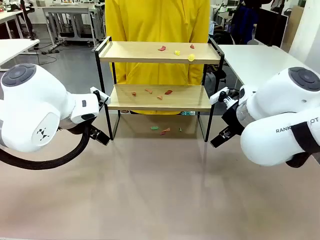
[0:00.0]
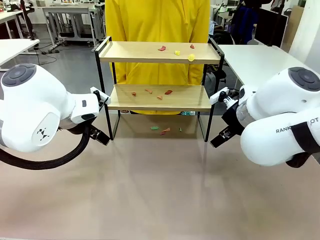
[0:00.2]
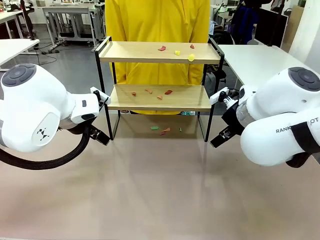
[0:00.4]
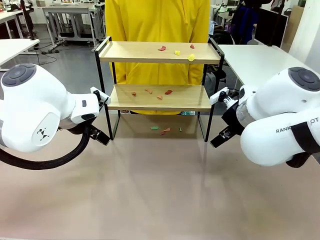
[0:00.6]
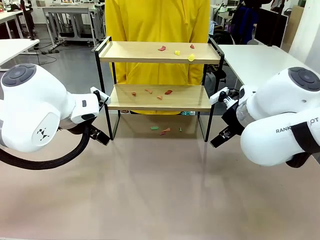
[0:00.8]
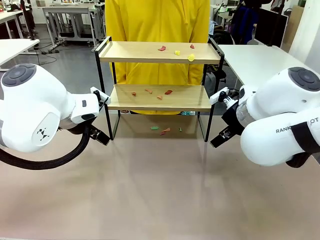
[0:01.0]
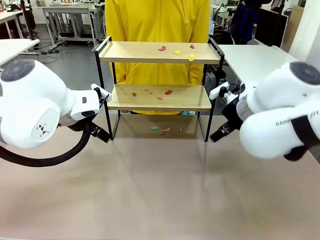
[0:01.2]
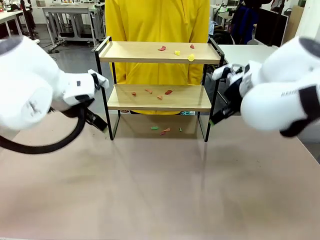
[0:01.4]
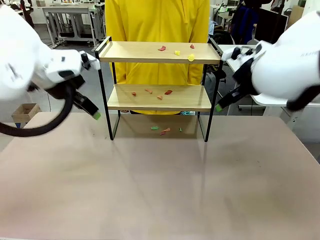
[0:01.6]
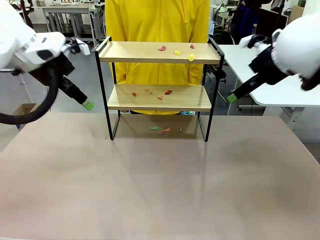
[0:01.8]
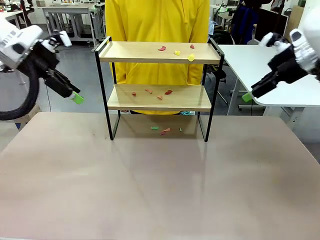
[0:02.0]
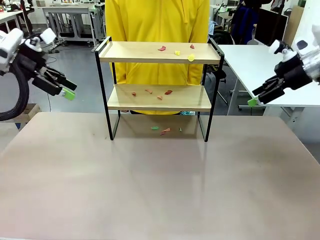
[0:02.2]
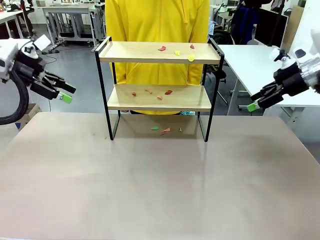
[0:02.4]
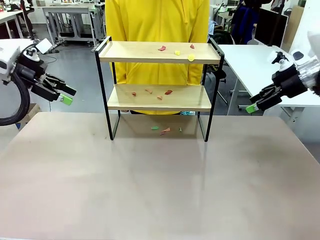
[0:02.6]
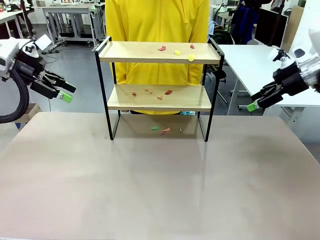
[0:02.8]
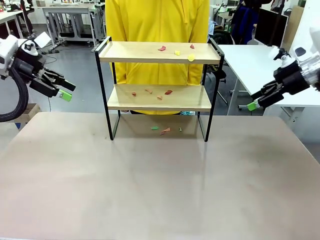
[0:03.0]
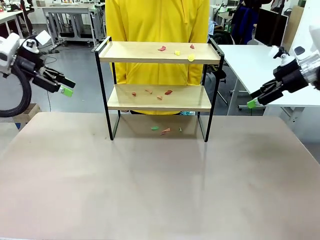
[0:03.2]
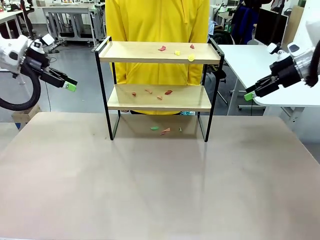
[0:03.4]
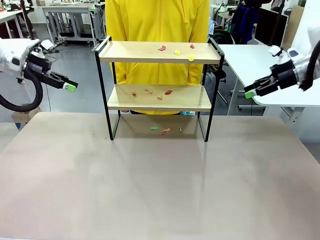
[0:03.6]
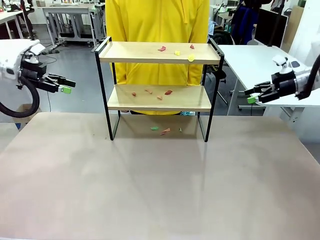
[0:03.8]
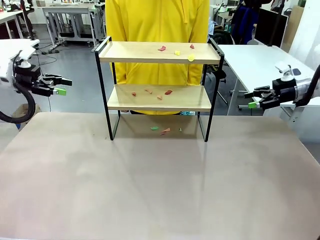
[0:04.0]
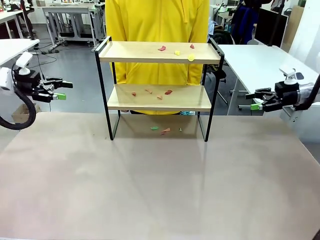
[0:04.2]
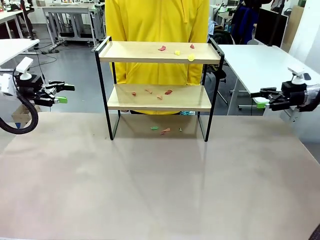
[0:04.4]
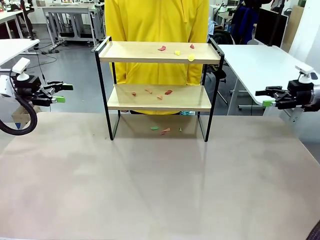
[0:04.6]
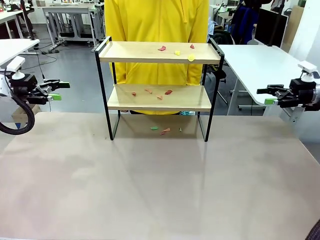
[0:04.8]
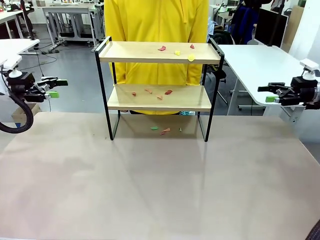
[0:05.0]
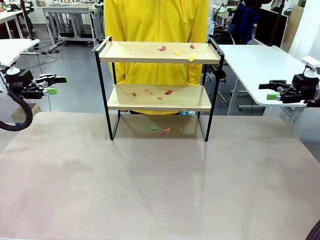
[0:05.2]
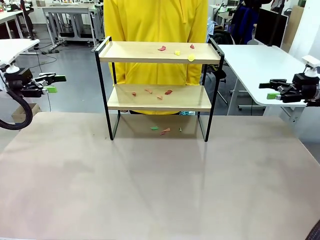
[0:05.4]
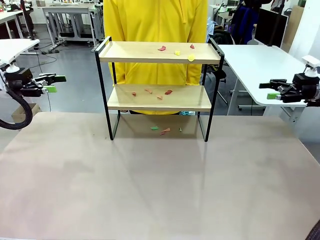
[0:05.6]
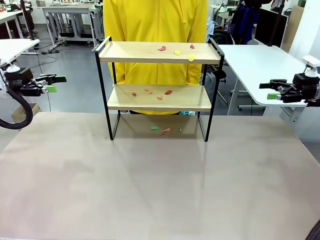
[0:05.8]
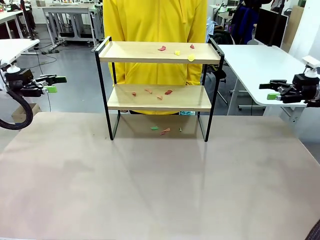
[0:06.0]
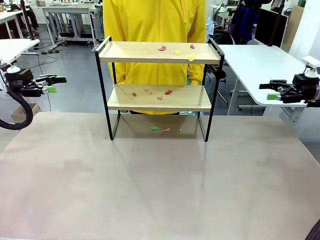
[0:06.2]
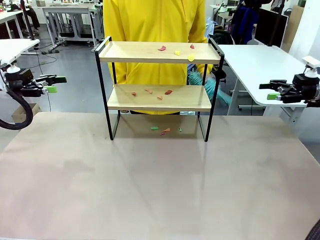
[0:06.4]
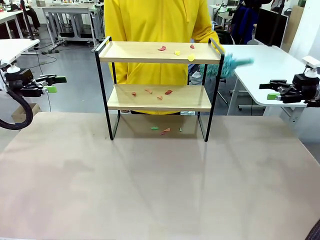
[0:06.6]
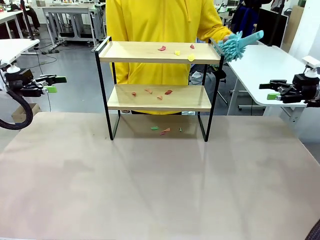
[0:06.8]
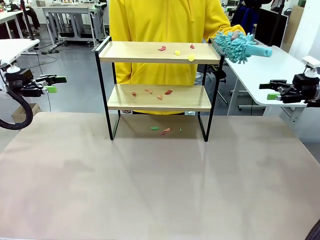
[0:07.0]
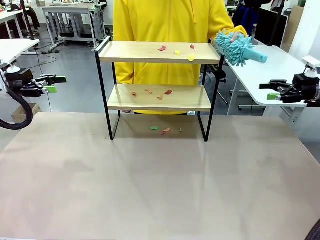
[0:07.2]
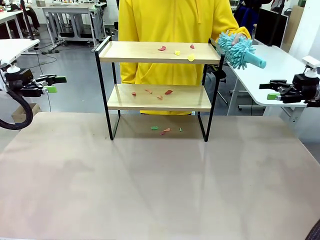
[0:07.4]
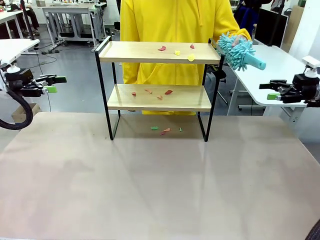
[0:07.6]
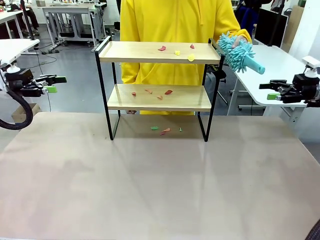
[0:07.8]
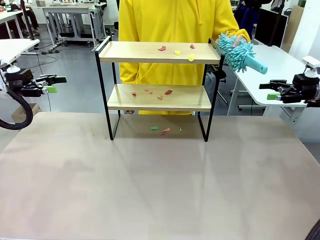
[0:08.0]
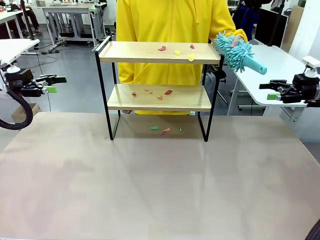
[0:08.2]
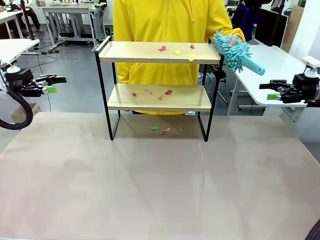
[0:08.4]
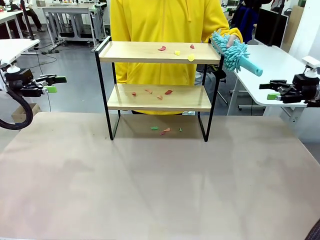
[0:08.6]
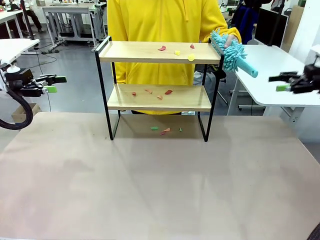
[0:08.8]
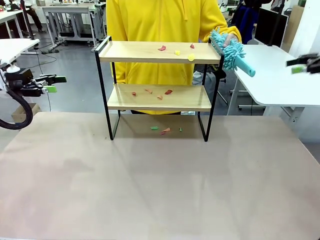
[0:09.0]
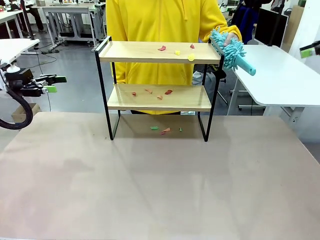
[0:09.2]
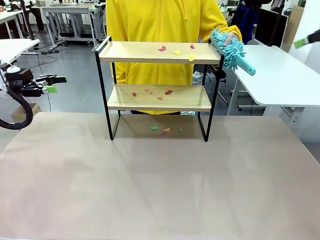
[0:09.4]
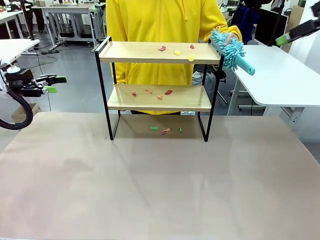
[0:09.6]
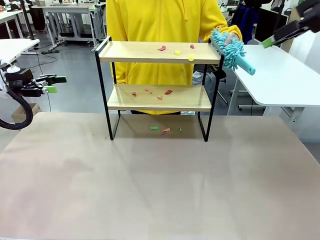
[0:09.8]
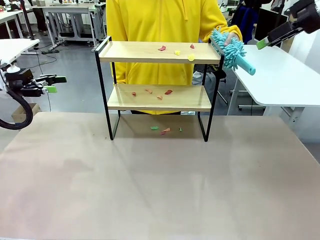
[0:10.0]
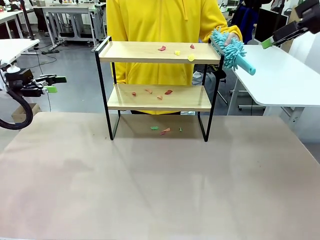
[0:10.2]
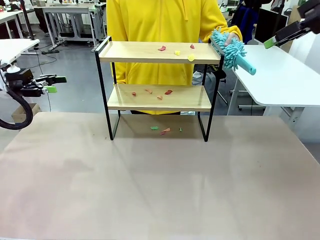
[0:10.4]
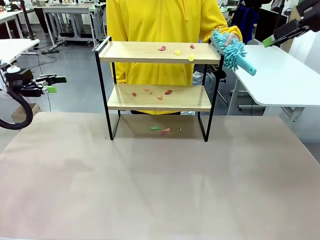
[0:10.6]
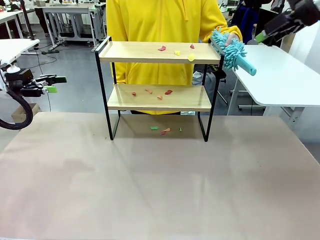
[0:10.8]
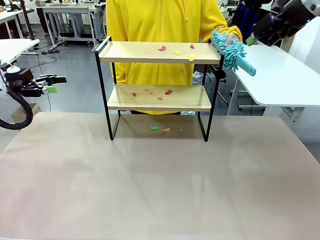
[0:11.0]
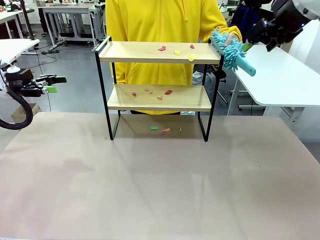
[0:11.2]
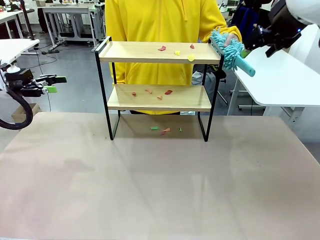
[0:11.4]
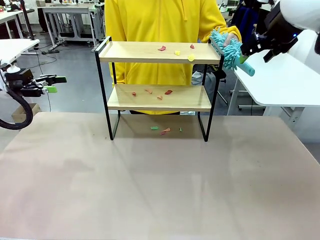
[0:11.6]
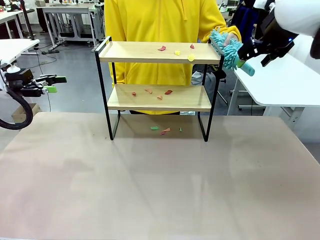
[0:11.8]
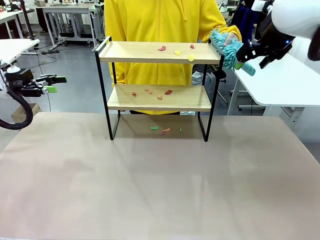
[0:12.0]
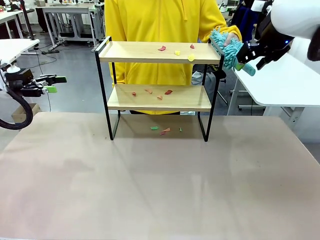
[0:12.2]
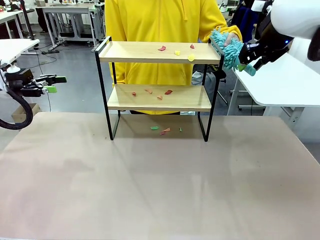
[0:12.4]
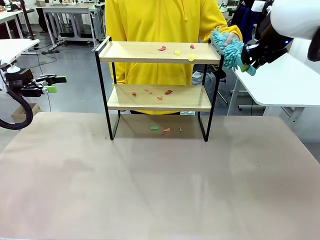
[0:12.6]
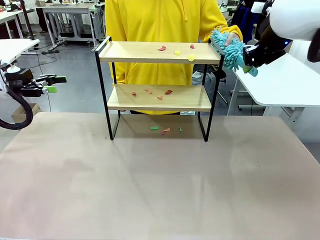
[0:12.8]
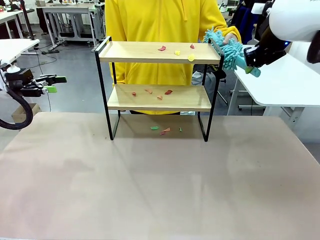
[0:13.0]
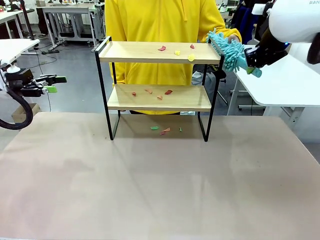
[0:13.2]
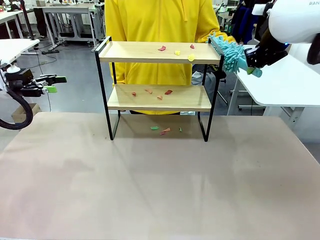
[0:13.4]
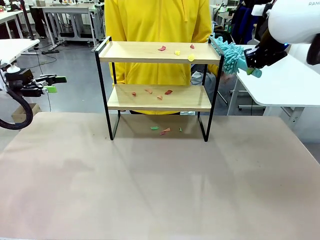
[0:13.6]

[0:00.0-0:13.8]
Task: Clean the shelf.
Robot: Pick up the Duster handed by the human.
Person: Hand the Duster to the robot.
